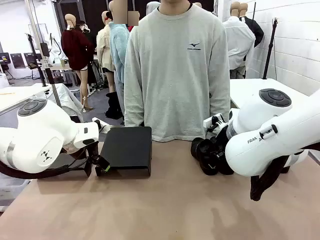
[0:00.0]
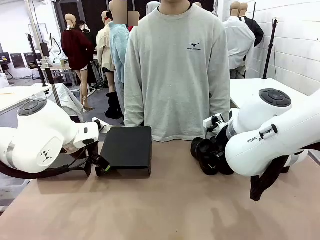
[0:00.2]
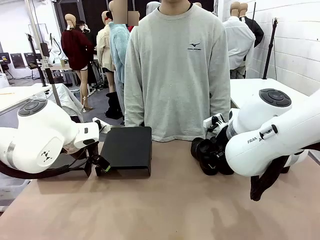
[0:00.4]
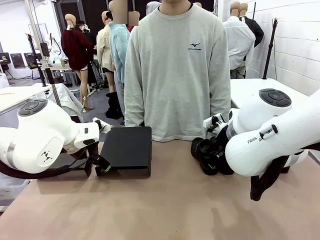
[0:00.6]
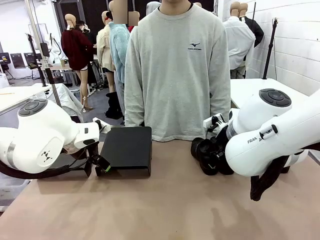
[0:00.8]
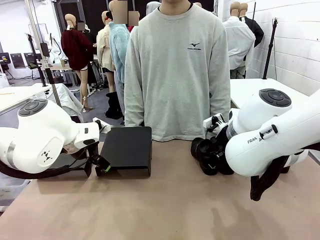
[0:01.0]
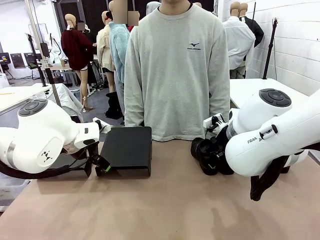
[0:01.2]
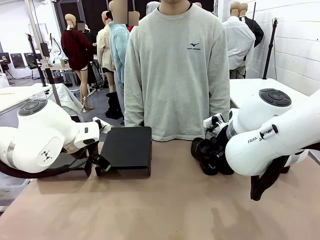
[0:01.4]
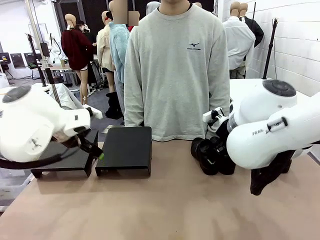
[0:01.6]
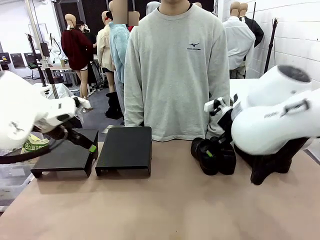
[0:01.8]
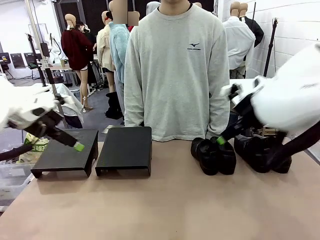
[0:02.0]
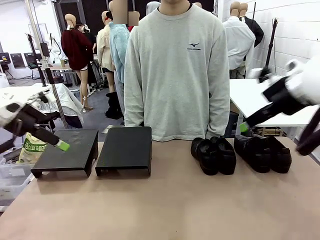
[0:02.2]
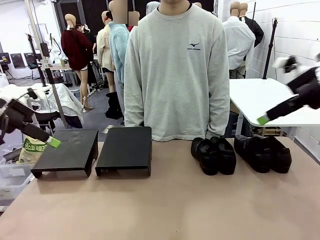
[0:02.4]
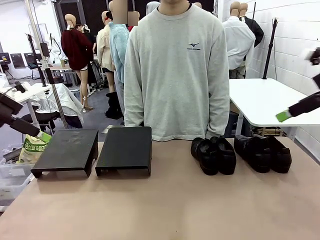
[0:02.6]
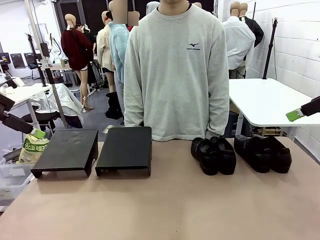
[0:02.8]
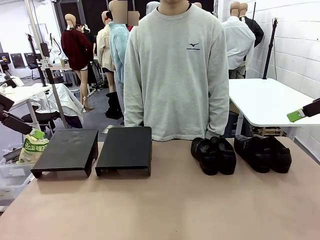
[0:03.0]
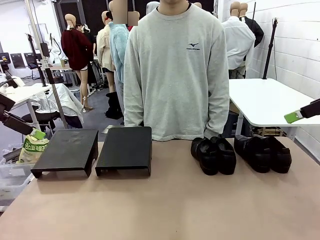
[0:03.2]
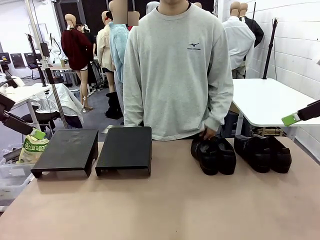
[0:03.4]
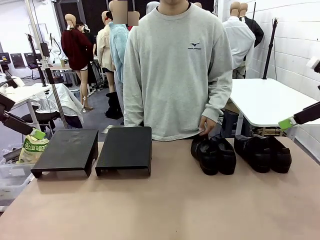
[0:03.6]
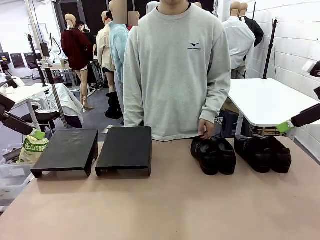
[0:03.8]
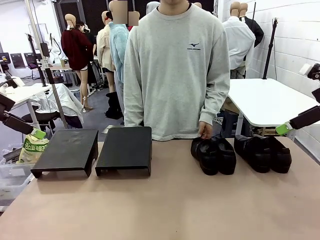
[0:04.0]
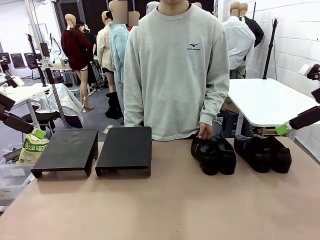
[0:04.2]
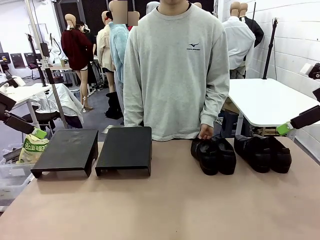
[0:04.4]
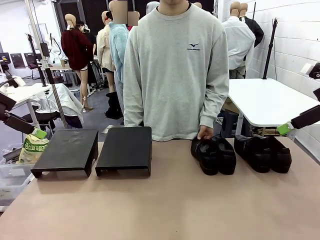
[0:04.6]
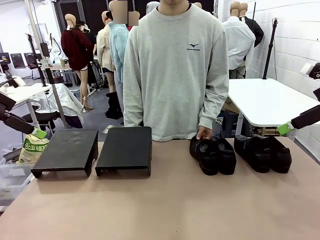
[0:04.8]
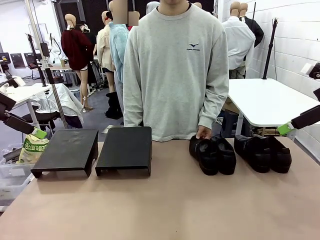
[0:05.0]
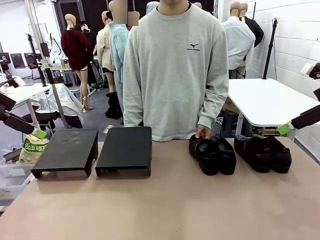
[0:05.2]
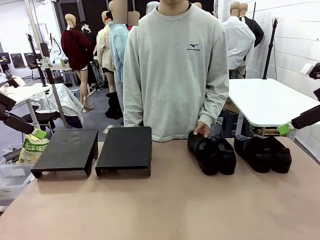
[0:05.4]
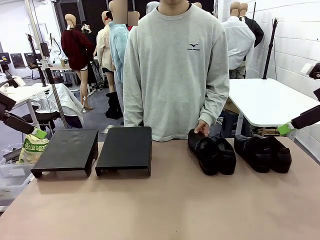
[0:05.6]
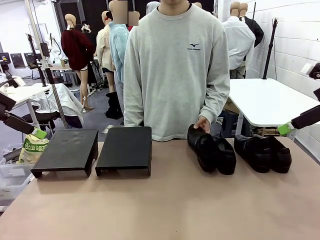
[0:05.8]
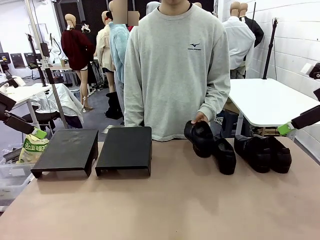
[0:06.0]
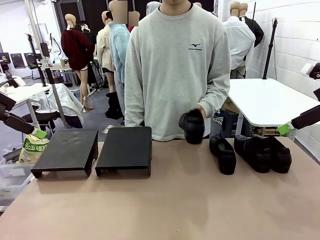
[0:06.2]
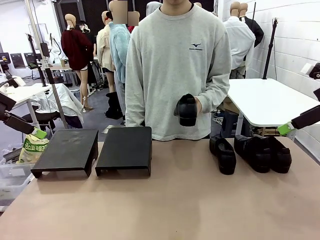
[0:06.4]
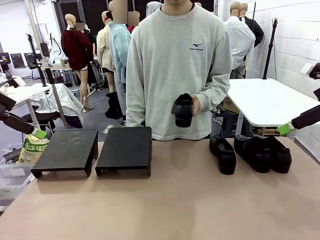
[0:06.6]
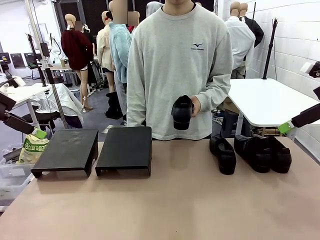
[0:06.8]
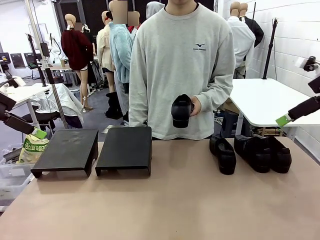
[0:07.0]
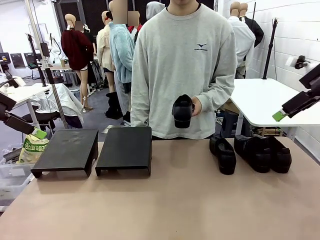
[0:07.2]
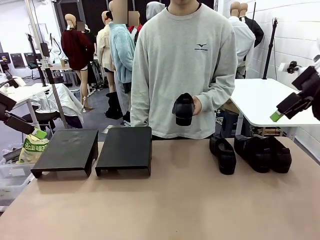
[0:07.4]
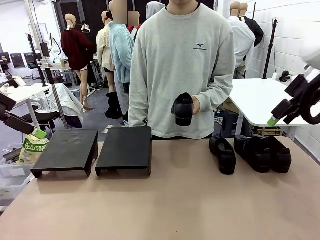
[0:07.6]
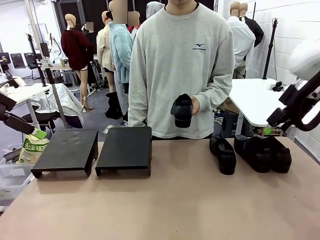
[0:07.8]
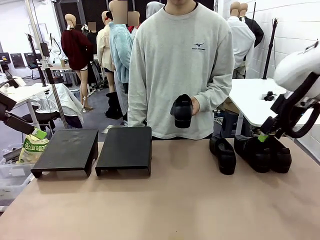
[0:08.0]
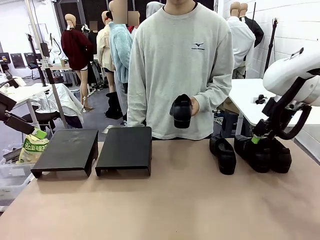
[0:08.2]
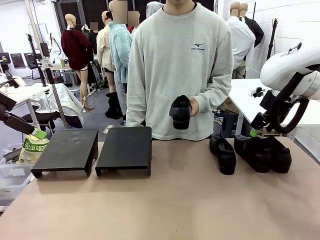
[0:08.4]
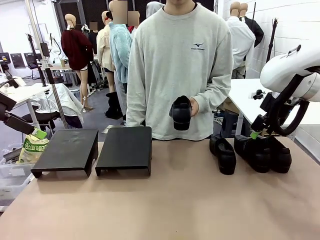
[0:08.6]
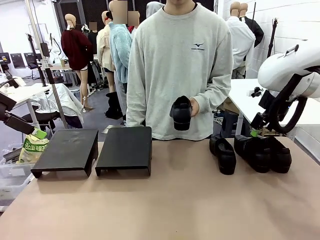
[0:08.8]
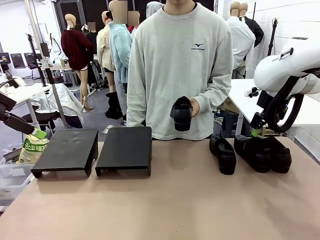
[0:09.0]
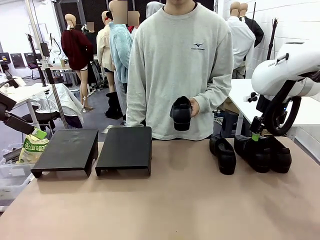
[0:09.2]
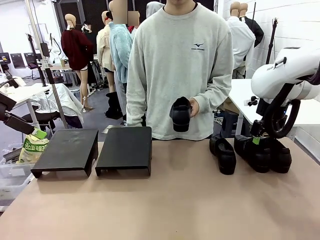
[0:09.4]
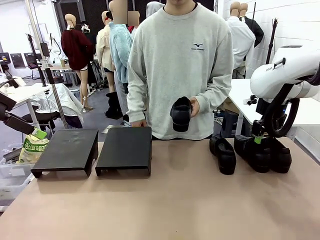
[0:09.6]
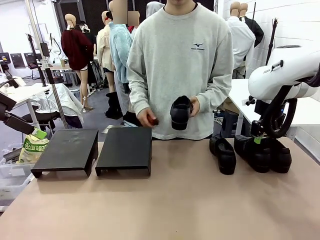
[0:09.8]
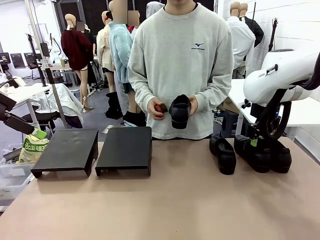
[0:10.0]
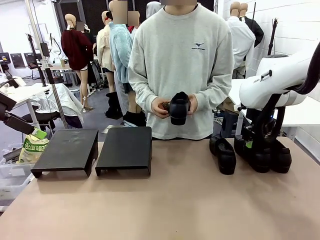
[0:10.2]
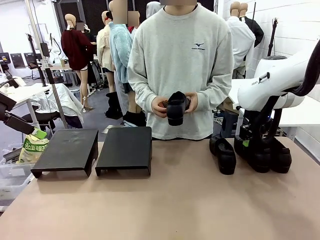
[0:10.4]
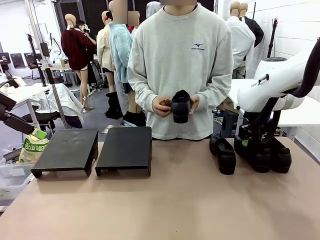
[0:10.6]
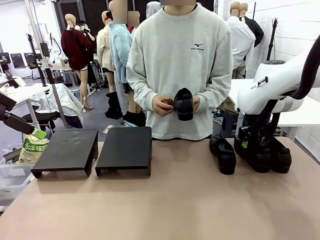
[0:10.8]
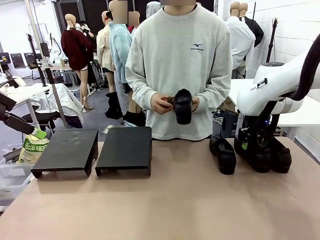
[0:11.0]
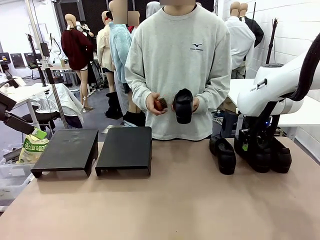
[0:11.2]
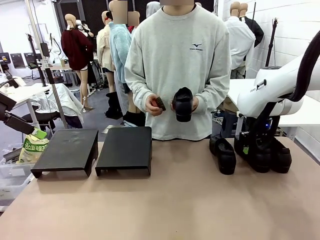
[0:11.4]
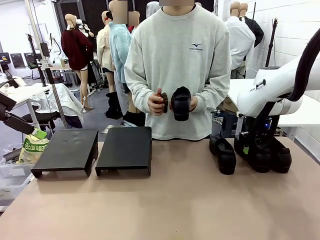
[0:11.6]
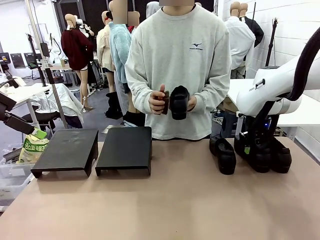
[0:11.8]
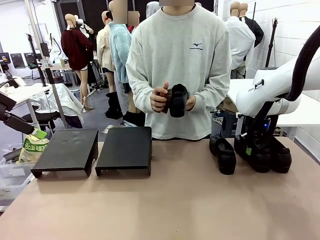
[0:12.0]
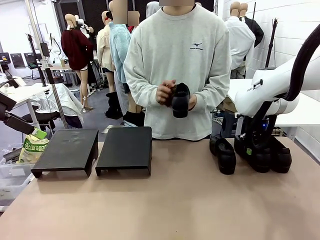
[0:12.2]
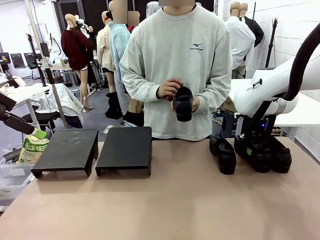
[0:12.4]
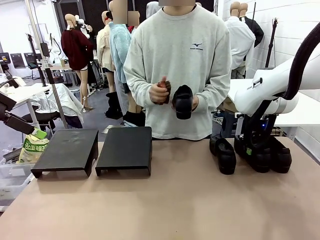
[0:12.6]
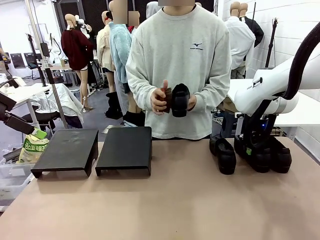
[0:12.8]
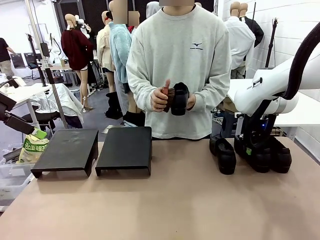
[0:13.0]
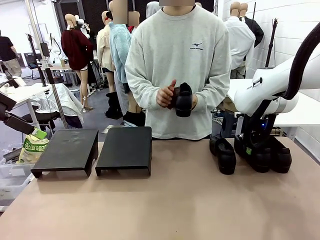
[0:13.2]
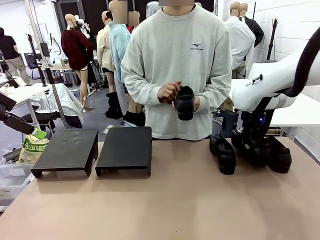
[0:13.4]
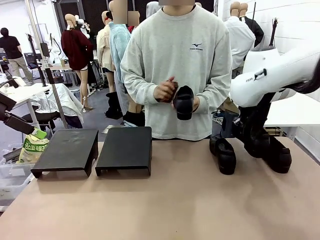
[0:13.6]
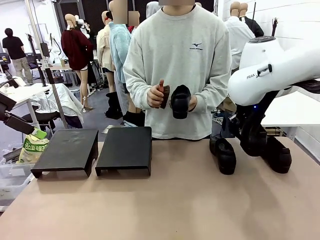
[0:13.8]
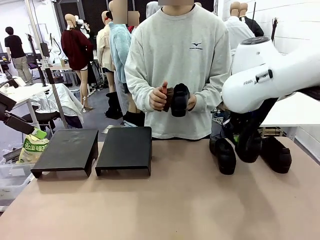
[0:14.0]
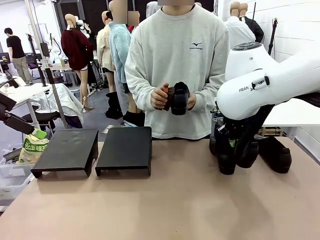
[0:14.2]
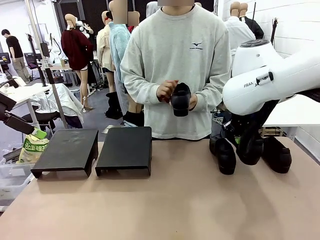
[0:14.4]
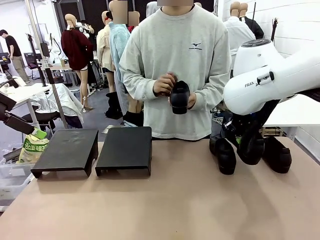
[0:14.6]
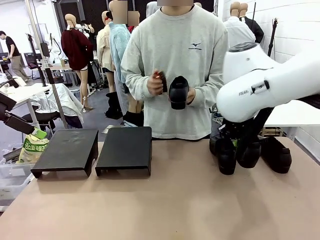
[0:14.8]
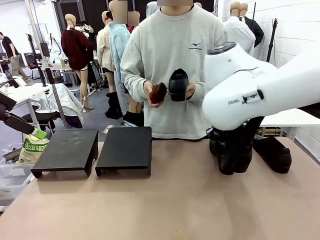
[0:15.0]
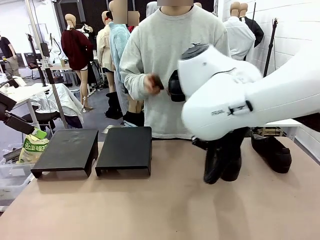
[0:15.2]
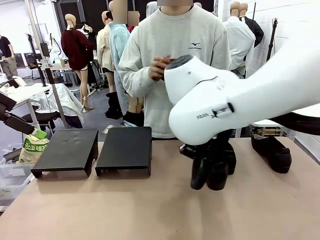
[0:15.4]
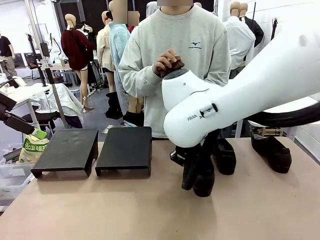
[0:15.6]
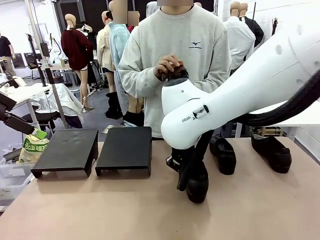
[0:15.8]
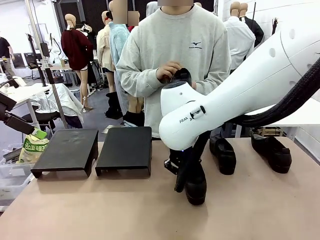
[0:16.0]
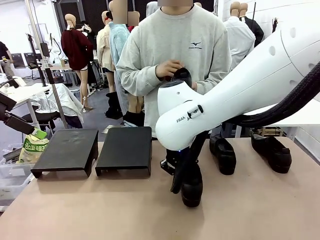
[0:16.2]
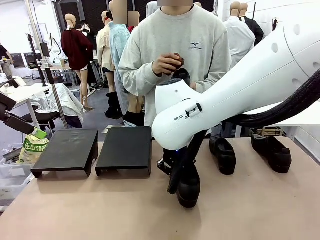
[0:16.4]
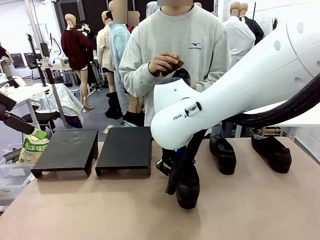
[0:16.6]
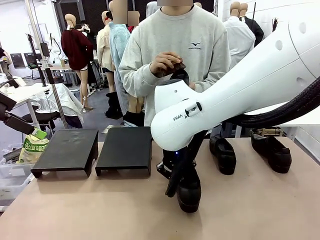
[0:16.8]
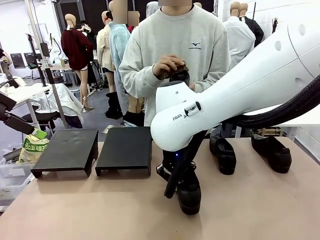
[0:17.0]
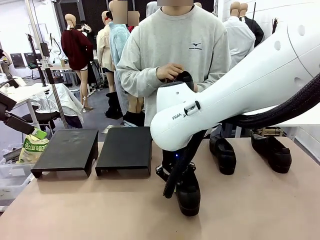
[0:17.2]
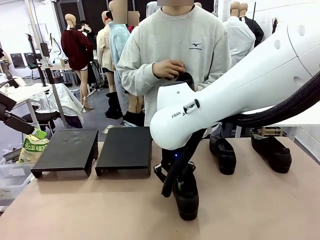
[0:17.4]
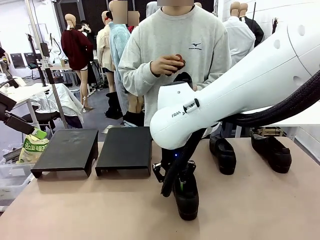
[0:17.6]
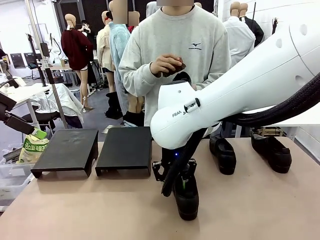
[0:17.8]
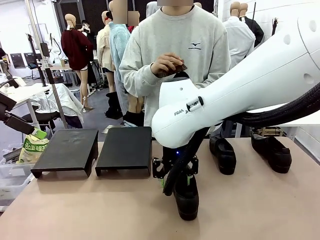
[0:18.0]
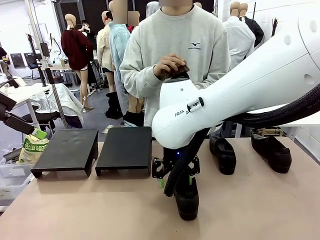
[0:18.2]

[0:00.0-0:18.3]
Task: Organize the shoes by placing them on the stand.
Robot: Pick up one Shoe and place it in the middle of the table.
Person: Pick one Shoe on Robot's table.
